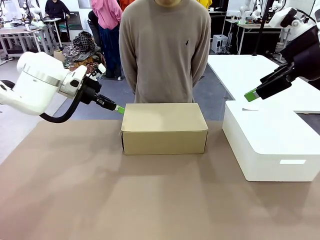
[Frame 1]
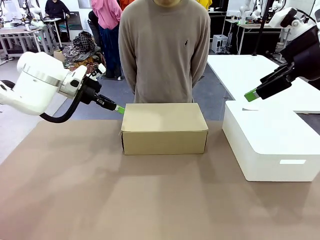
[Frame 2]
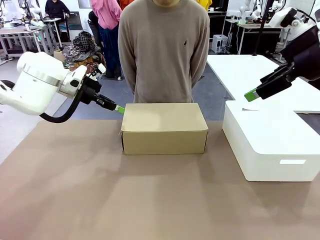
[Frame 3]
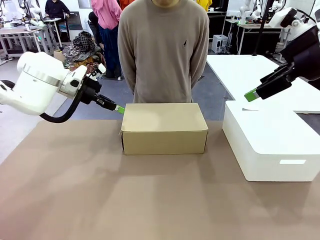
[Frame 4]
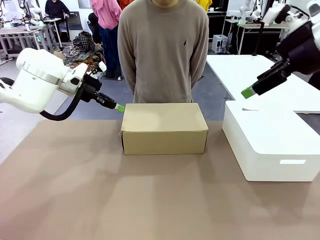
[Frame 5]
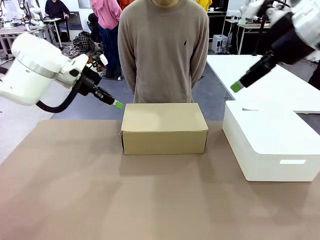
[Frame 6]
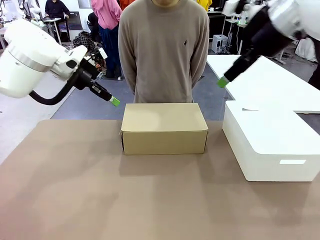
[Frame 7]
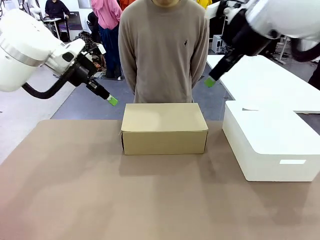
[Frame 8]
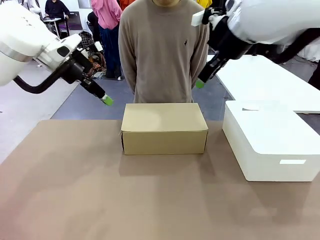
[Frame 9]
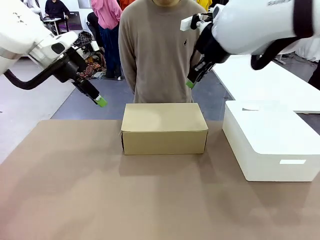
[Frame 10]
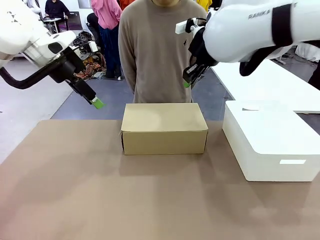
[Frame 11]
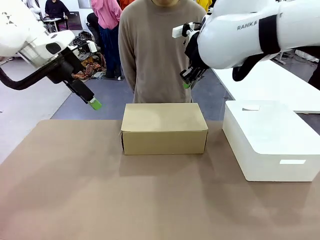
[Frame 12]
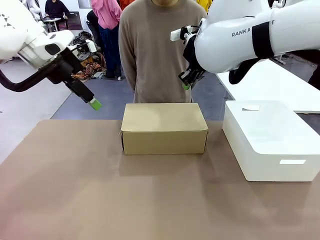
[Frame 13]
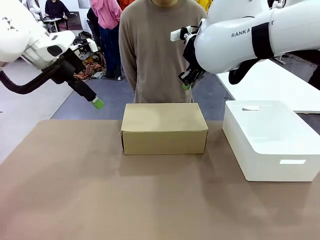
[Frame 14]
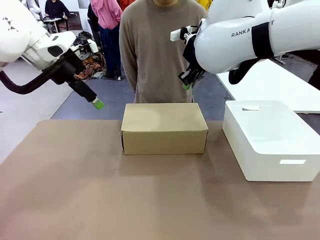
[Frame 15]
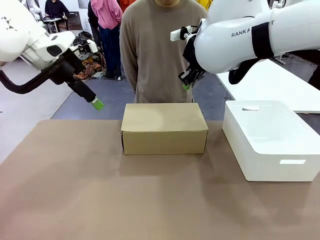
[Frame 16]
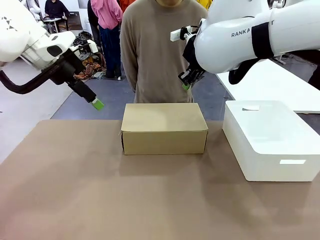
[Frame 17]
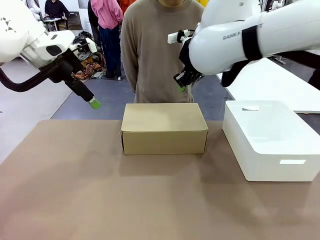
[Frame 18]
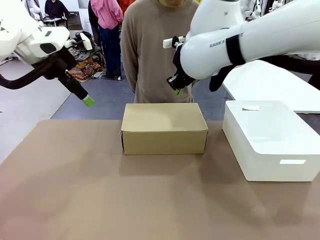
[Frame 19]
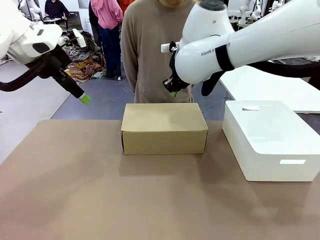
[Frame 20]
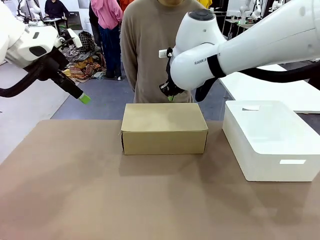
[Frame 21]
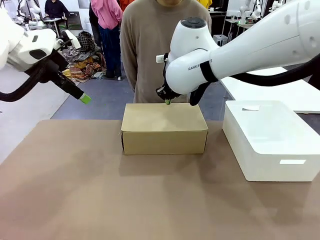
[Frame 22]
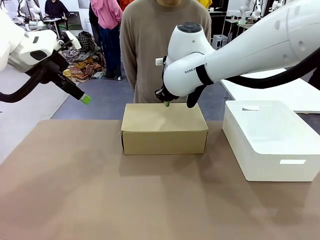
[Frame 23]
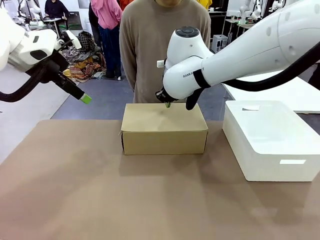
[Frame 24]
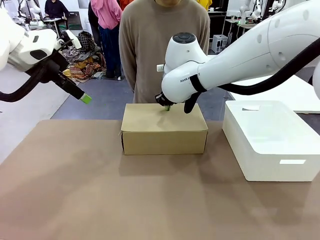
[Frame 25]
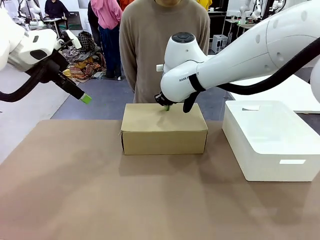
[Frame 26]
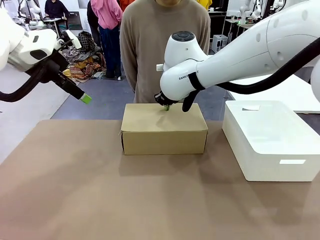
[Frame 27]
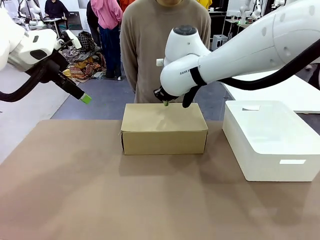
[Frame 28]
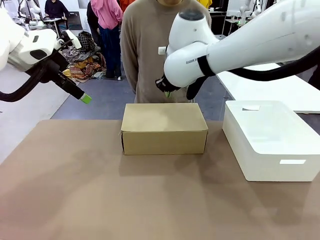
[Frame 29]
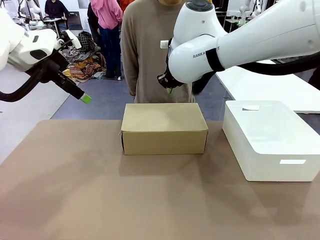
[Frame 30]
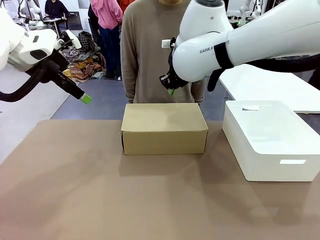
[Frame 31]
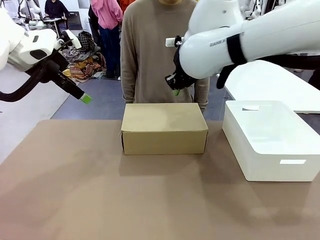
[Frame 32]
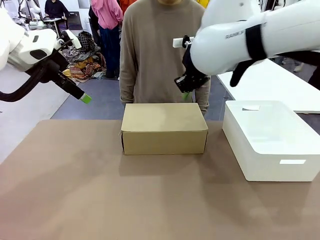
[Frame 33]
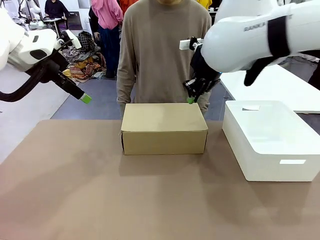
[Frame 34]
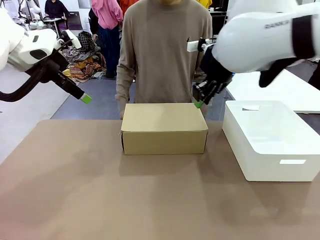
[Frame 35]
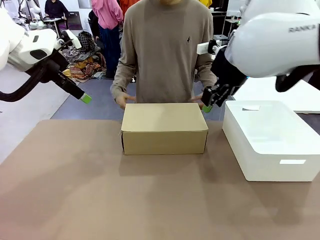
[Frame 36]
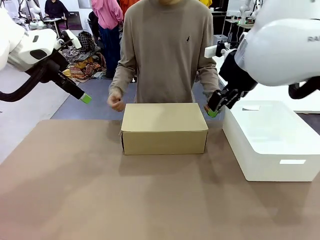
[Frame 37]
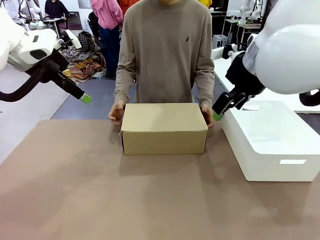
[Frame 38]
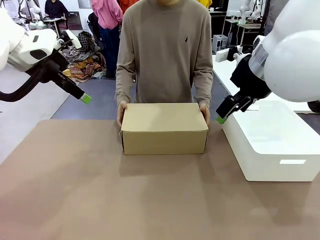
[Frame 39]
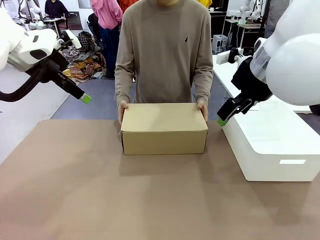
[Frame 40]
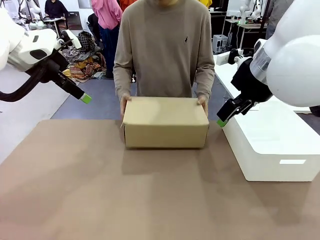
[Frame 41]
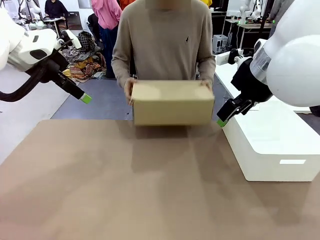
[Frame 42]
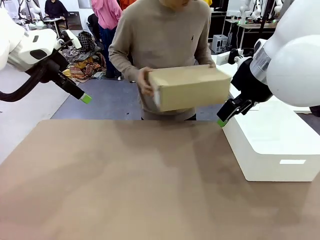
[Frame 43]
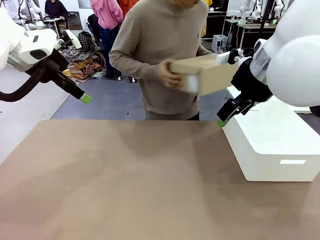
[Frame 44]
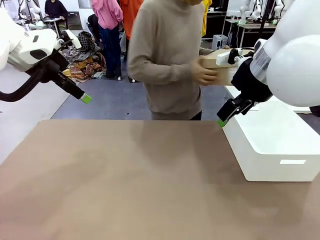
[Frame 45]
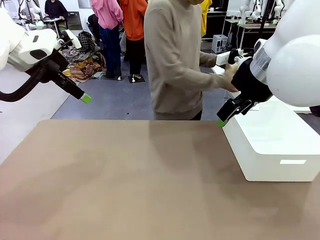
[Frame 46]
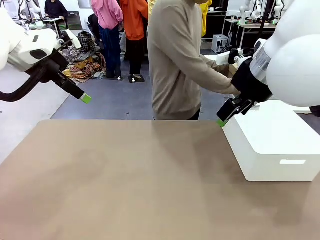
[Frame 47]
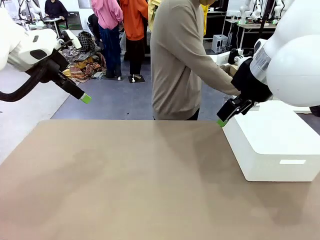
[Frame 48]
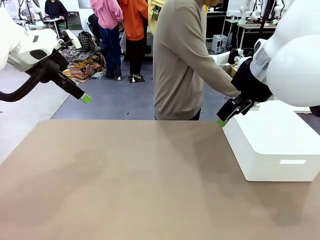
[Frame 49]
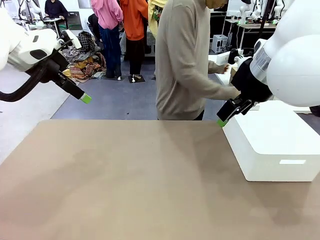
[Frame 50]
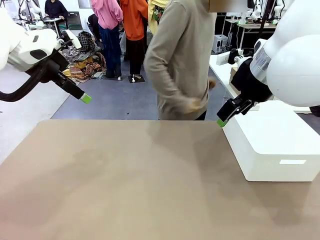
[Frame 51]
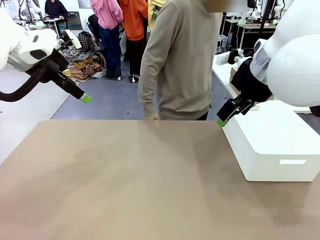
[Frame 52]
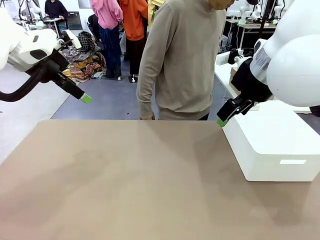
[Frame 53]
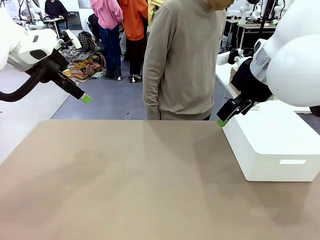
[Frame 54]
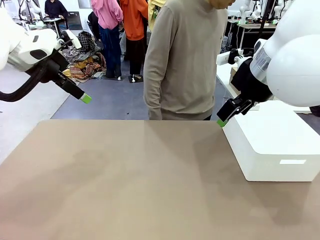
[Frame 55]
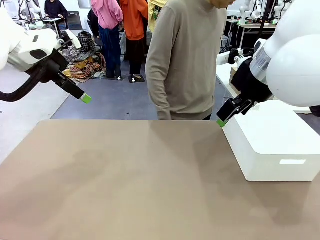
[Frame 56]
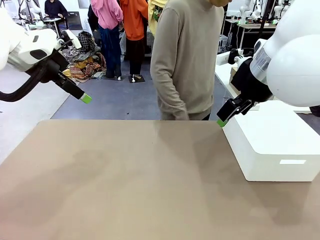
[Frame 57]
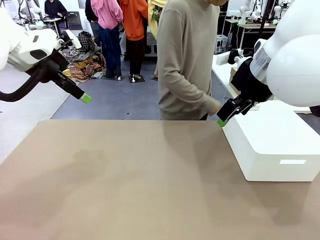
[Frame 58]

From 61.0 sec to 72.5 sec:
Task: Pack the shoes into the box.
Robot: Press down on the lid of the Shoes Box.
Person: Place the closed Shoes Box to the right side of the human table.

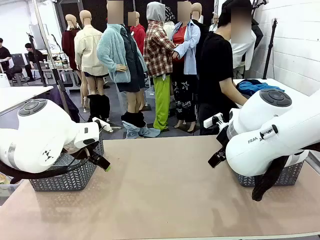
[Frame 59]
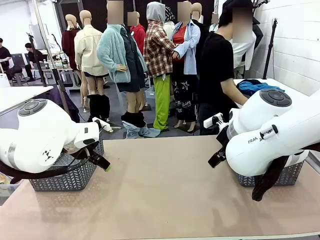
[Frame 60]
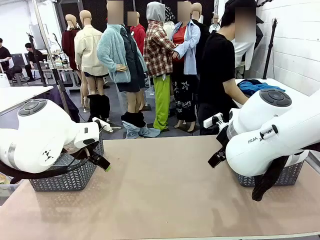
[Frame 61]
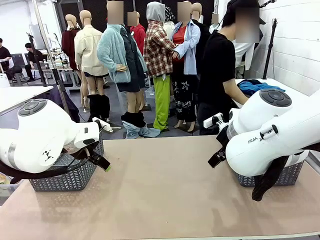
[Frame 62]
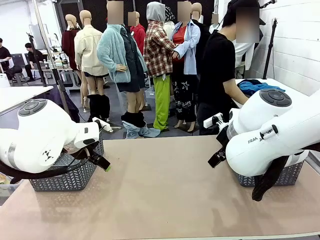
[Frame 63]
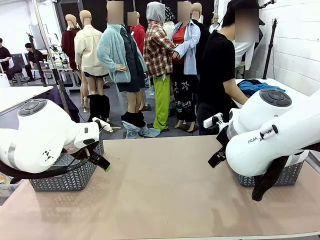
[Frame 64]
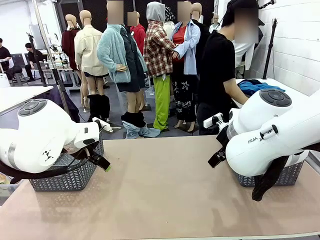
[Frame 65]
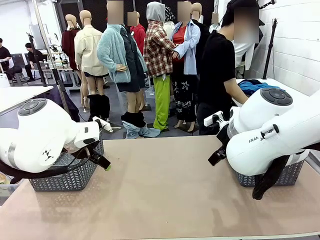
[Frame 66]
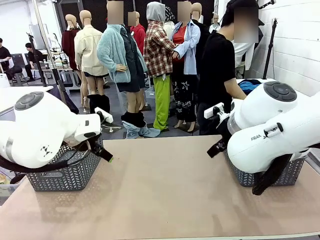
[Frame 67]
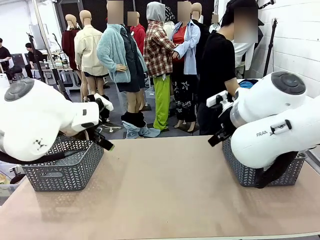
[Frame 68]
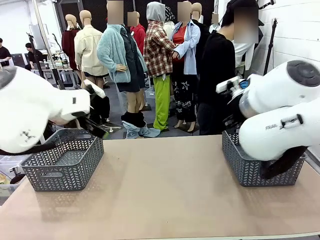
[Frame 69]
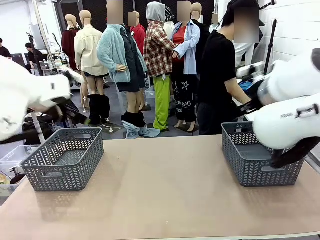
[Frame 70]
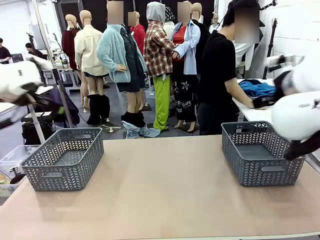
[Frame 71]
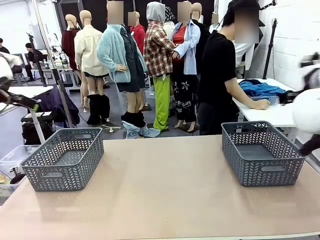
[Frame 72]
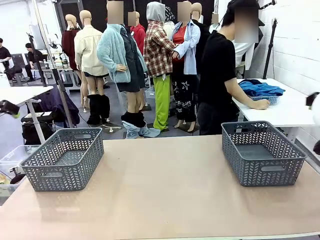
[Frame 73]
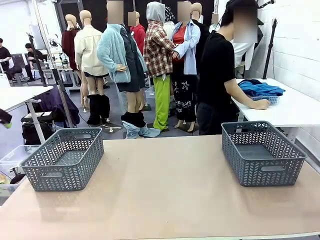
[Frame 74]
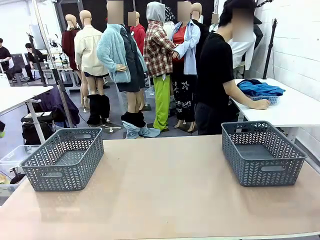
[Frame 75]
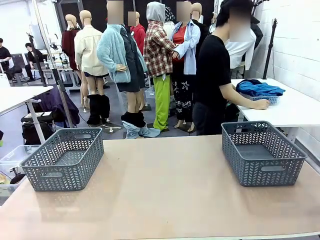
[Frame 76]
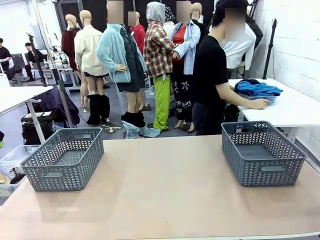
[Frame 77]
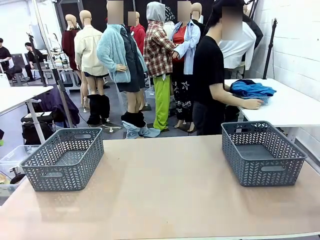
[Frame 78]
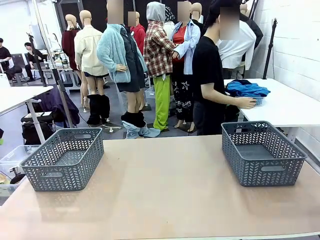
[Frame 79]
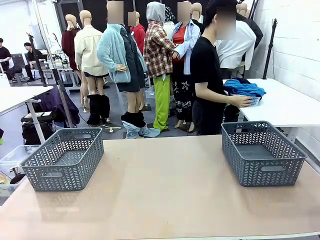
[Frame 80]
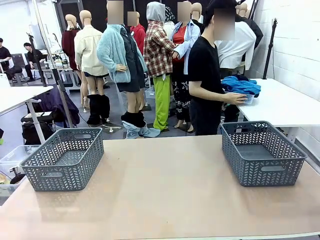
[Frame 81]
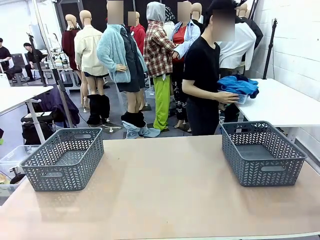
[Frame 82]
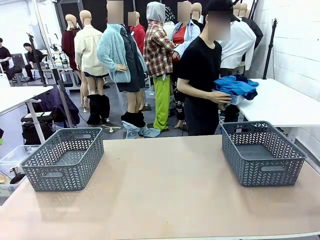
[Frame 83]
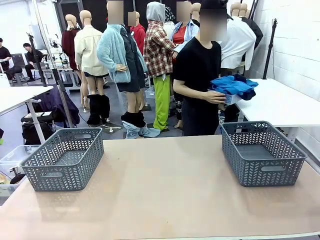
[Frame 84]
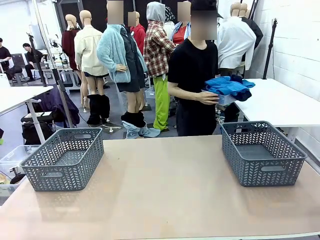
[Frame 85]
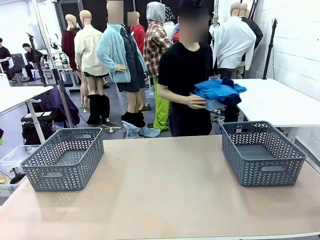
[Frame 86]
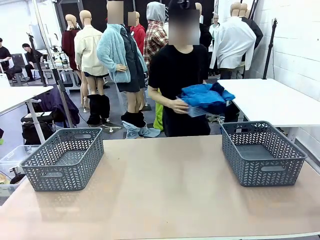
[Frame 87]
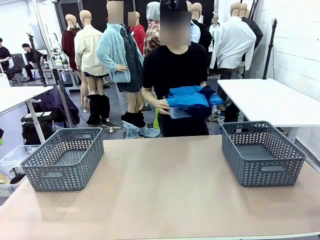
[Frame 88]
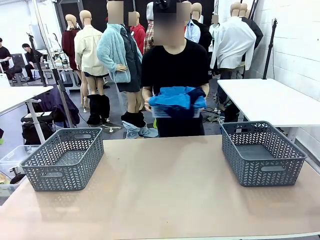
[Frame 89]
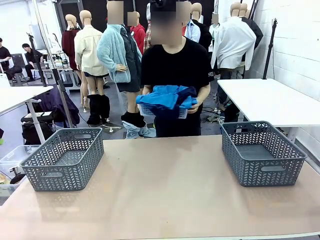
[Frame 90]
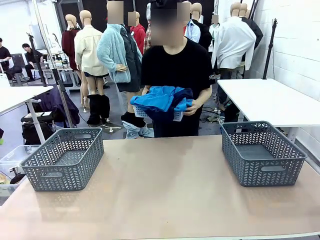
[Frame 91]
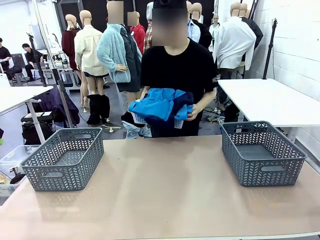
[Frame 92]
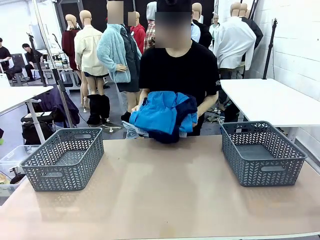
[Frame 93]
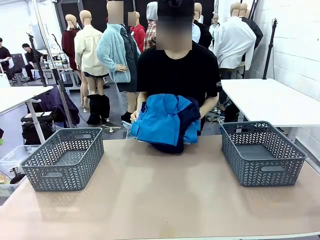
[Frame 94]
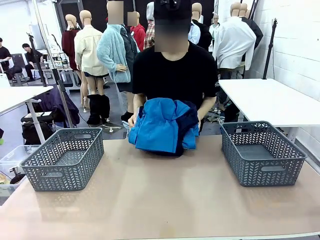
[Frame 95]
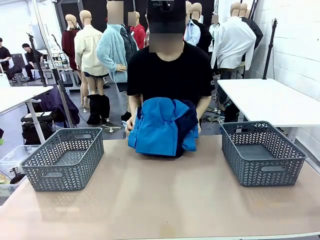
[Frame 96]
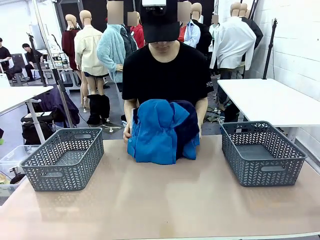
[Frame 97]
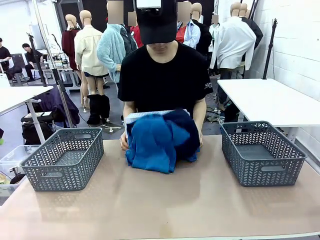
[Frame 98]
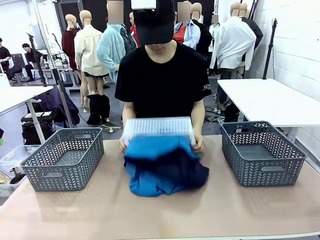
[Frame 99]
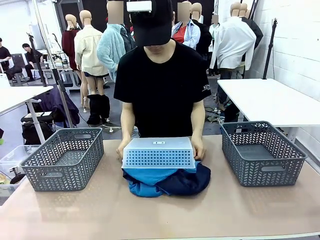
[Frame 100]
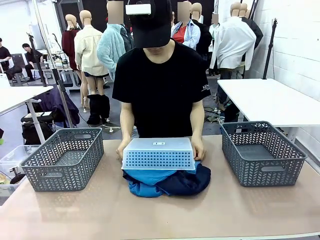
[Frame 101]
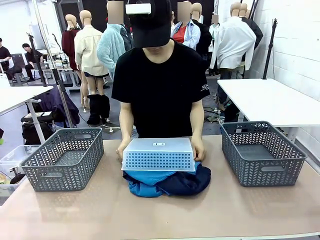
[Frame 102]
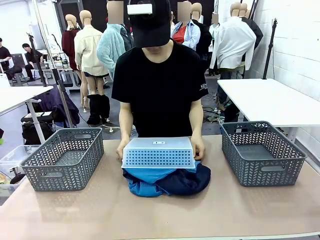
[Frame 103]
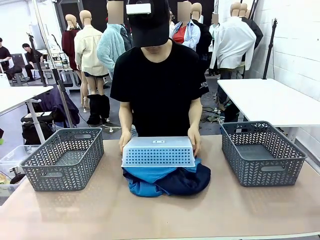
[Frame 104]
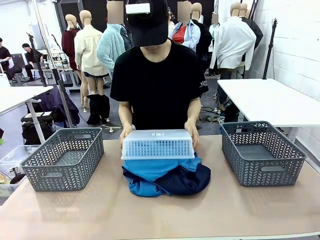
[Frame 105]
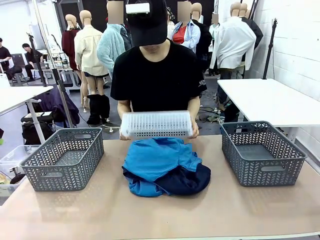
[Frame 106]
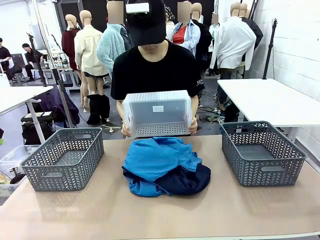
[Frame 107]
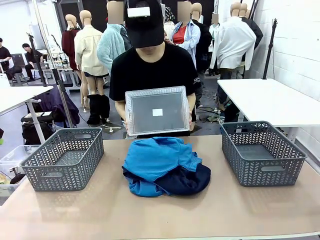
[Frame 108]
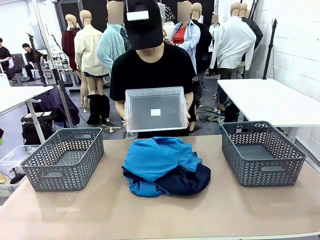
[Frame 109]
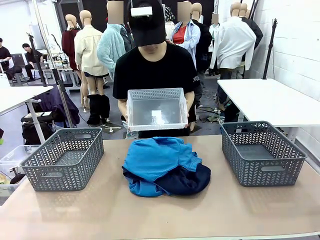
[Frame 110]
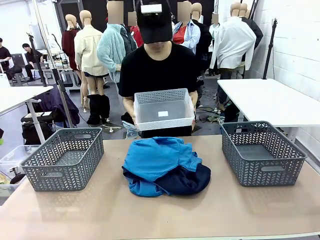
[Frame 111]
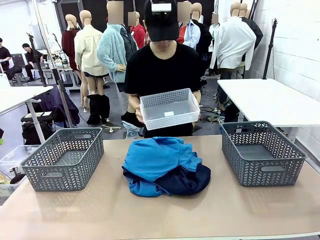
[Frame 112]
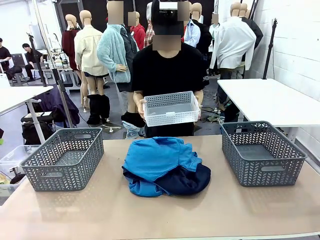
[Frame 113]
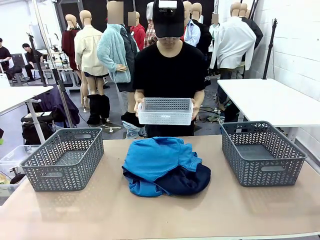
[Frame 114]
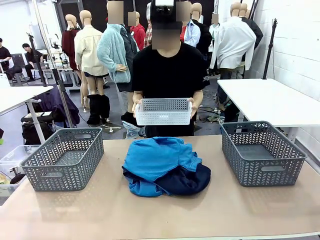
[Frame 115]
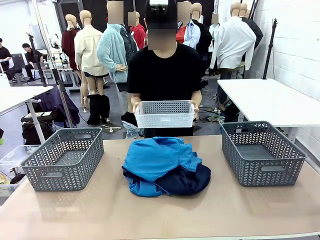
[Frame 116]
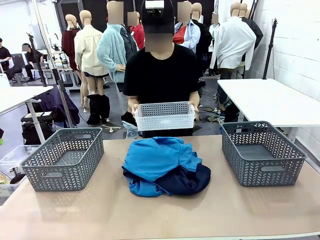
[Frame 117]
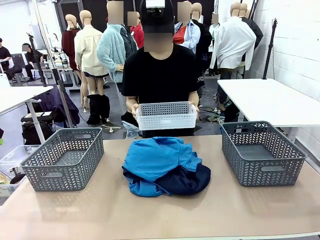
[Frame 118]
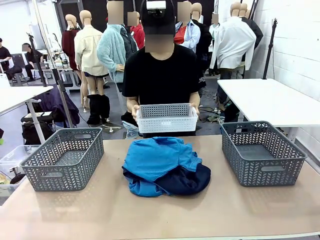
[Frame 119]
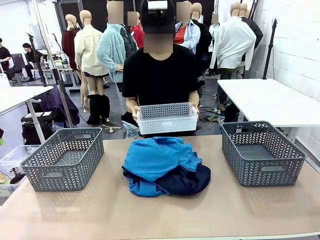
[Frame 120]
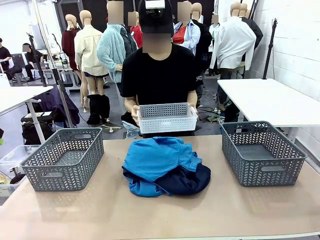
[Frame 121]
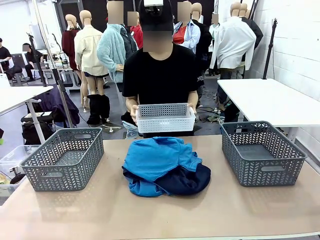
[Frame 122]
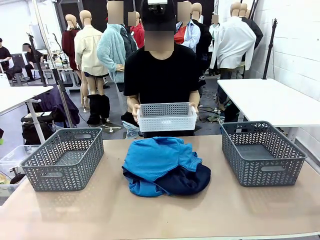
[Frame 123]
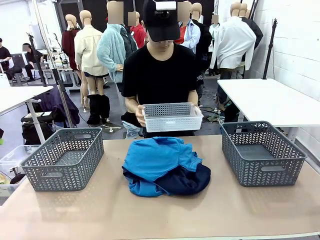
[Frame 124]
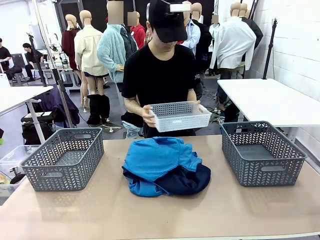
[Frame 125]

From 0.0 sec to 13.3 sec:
Task: Sort the tops and bottoms.
Robot: Lift clothes from the center of the table with your left hand.
Person: Pour the clothes from the basket onto the center of the robot table.
